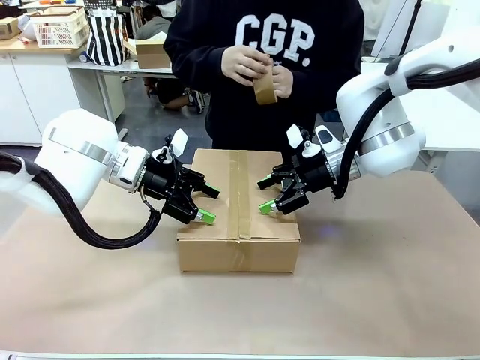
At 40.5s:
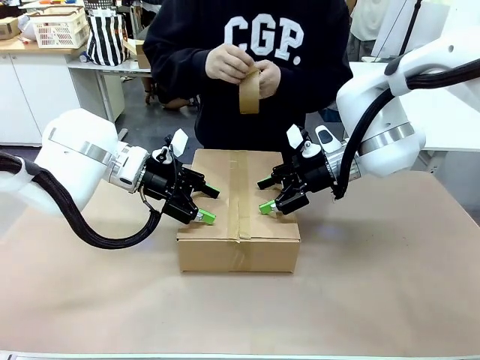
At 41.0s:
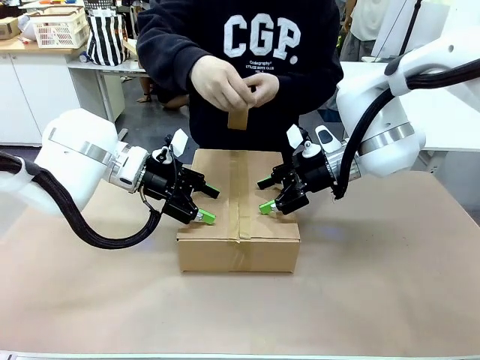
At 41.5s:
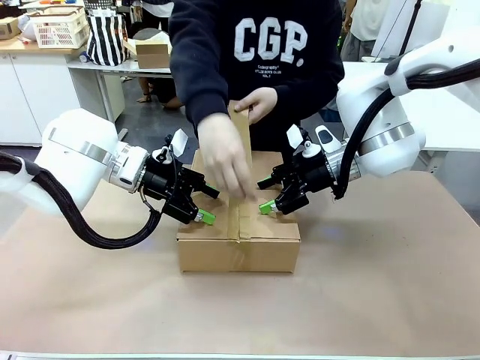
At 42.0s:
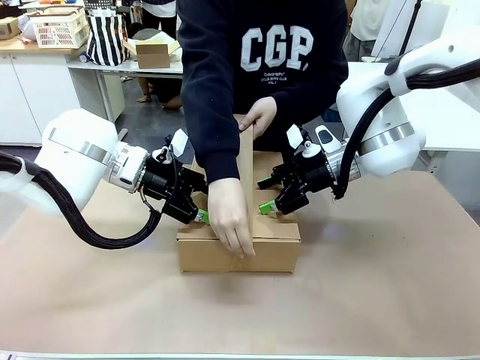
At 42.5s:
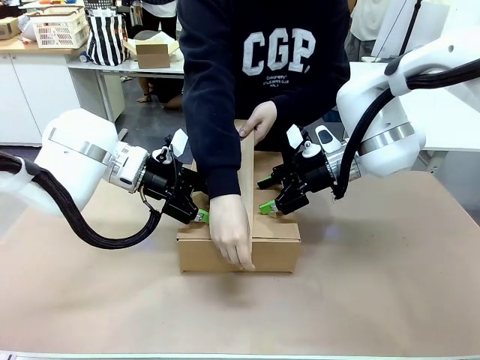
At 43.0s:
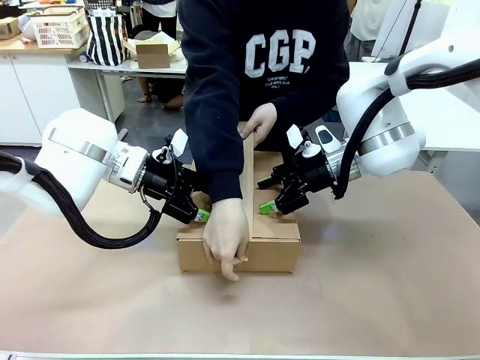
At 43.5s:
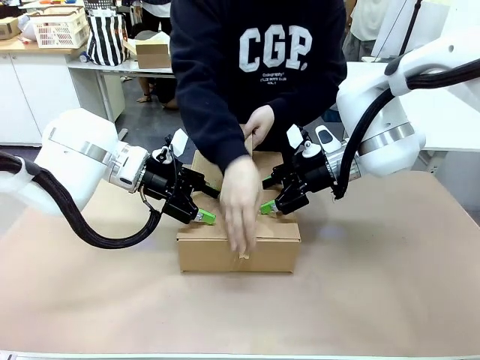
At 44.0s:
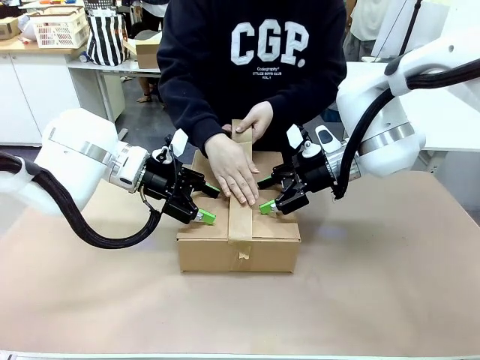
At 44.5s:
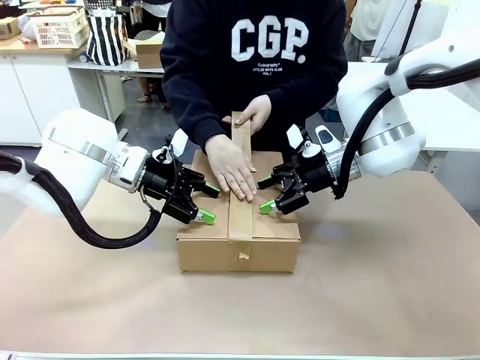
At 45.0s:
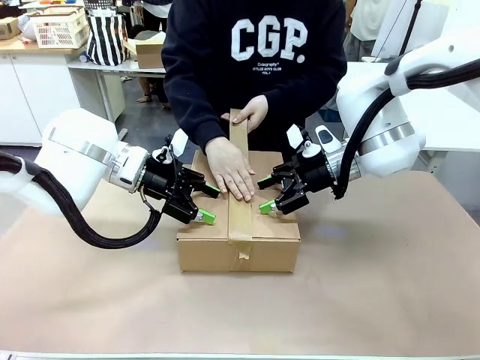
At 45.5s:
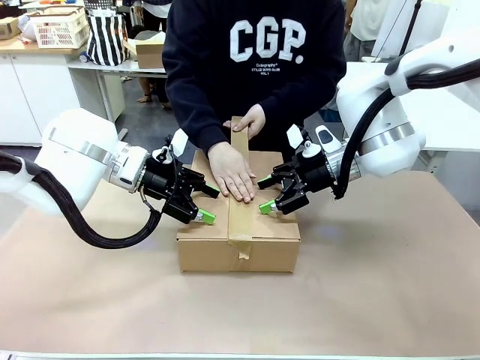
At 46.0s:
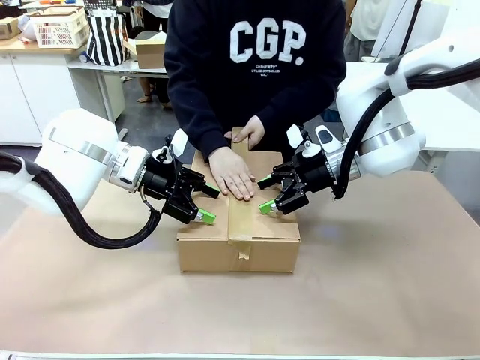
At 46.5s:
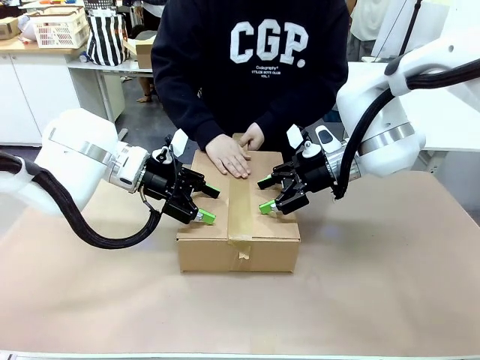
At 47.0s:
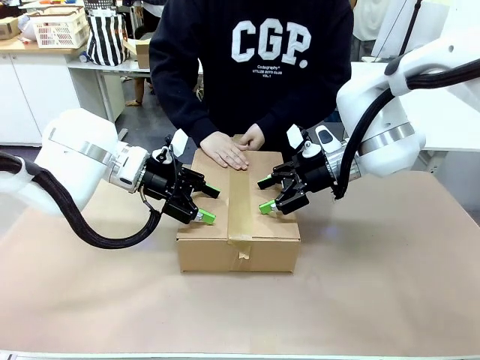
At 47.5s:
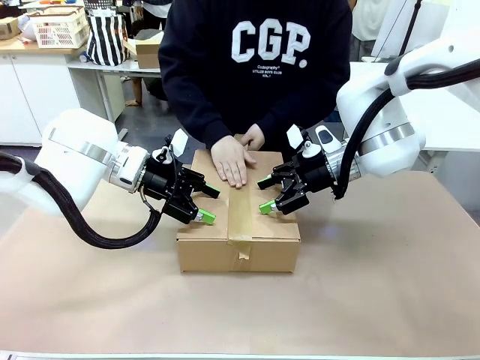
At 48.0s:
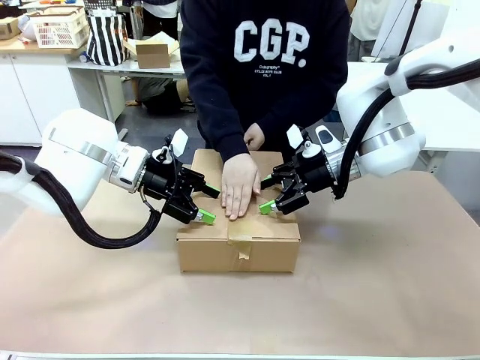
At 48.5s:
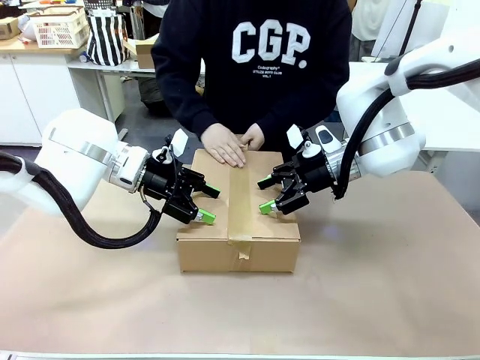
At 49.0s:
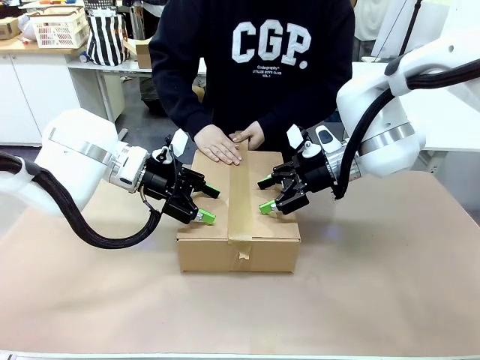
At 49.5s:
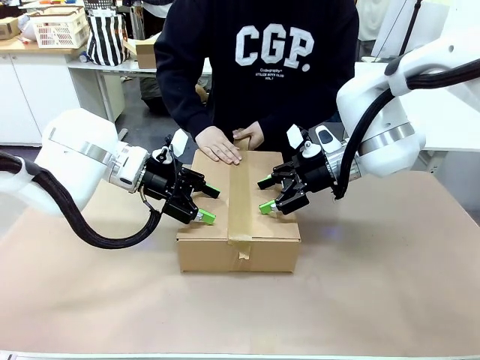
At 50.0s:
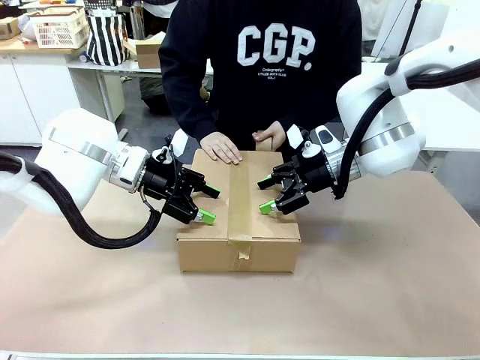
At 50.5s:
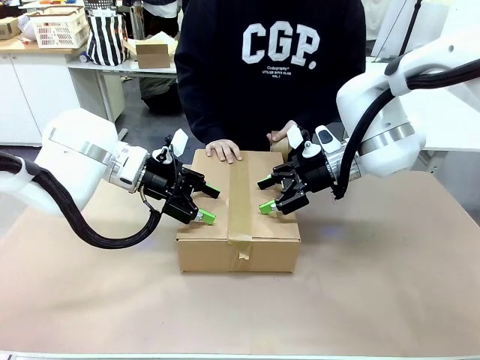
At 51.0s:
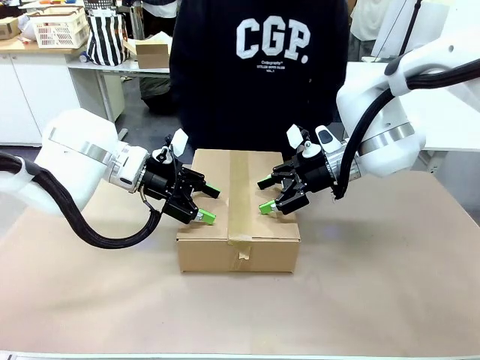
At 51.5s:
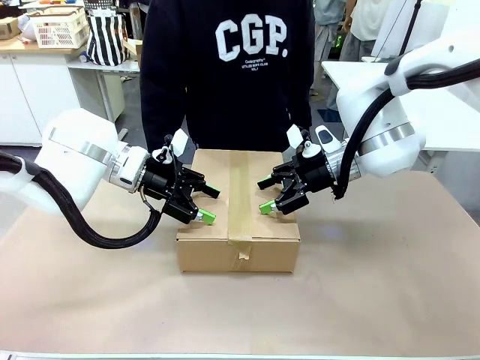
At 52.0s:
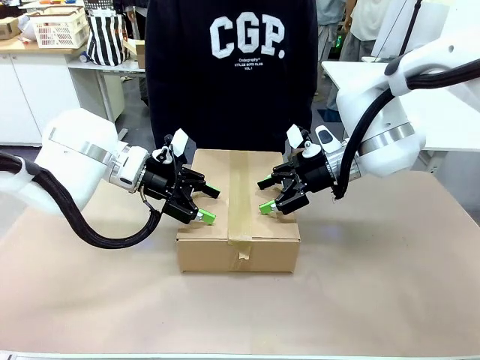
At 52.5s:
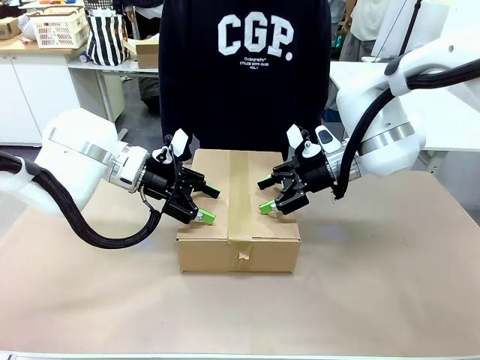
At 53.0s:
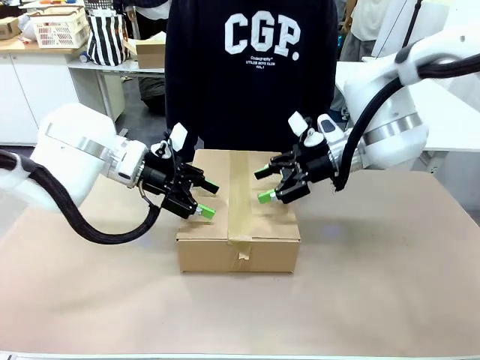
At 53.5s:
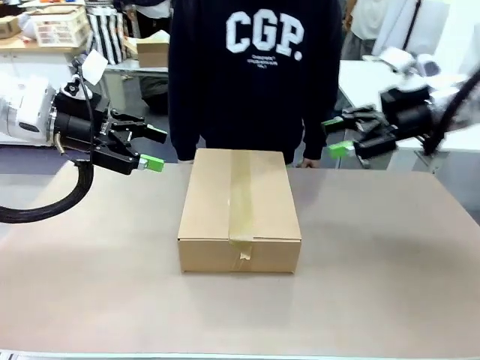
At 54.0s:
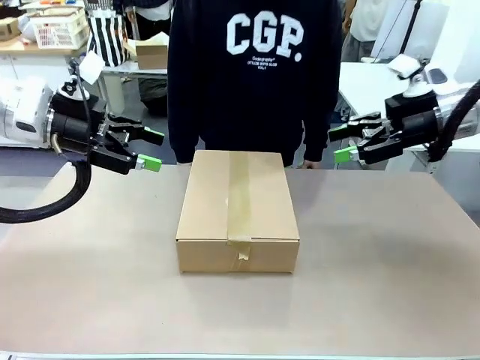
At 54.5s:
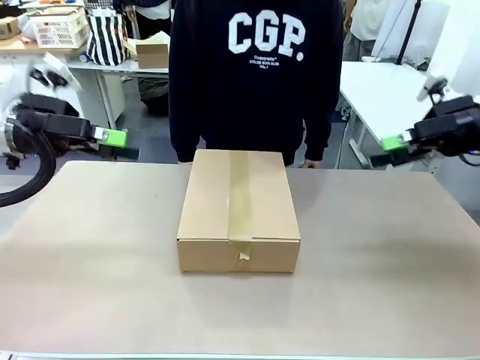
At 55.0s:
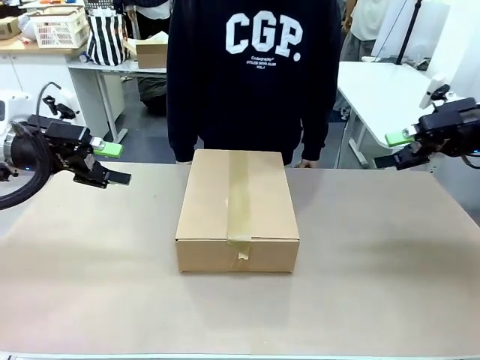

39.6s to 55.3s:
Task: Pack the gift set into the box.
Robot: Press and hold the closed box until the human finishes sealing it.
Person: The human picks up the paper tape from the human table and packs the box.

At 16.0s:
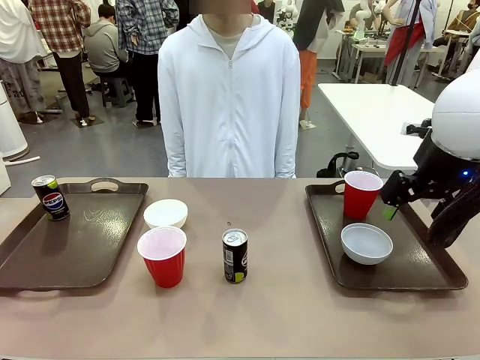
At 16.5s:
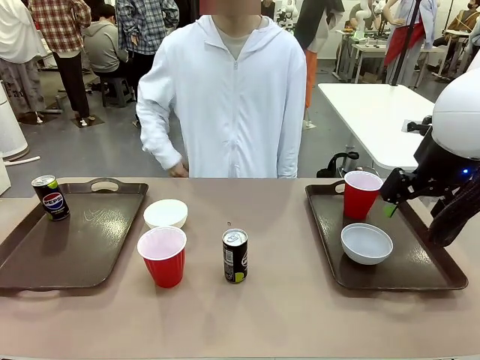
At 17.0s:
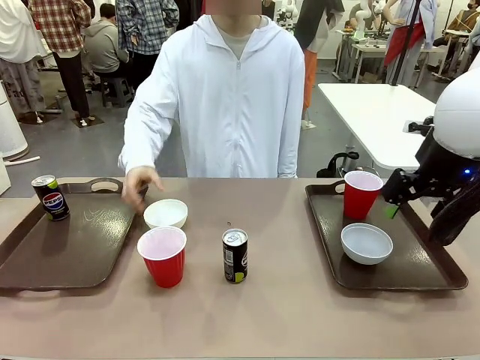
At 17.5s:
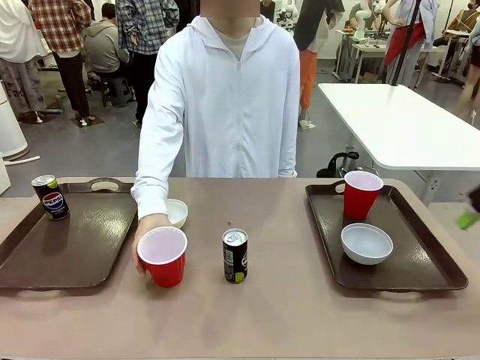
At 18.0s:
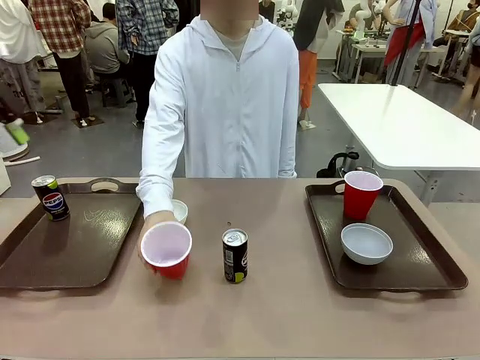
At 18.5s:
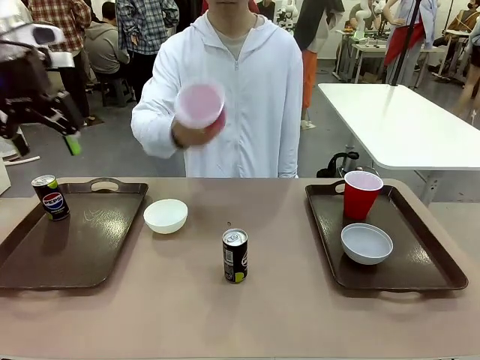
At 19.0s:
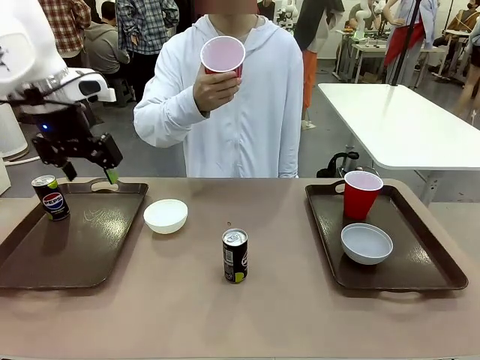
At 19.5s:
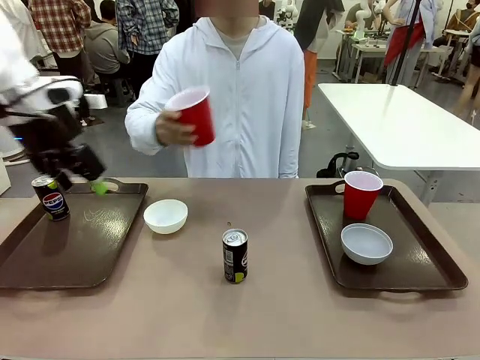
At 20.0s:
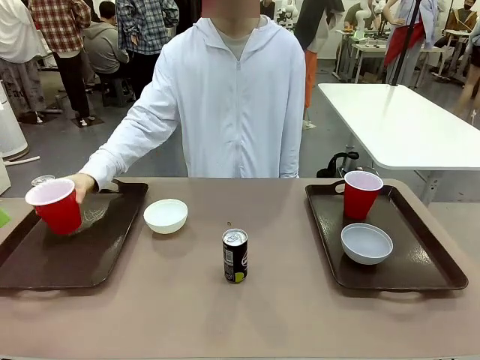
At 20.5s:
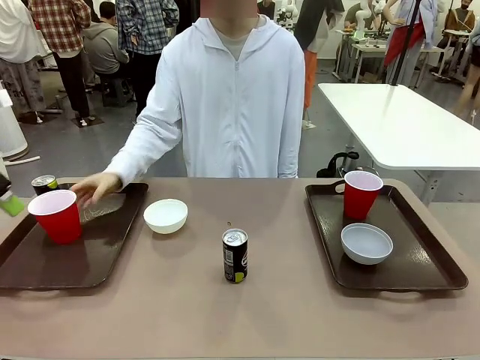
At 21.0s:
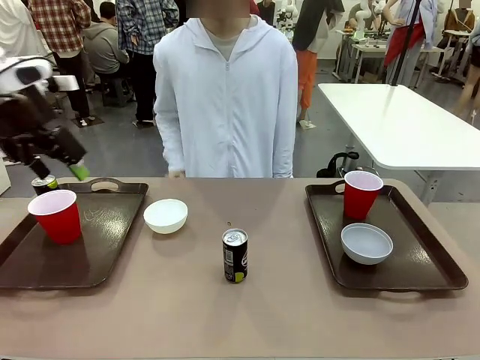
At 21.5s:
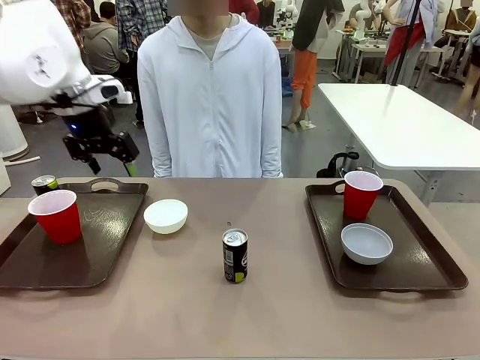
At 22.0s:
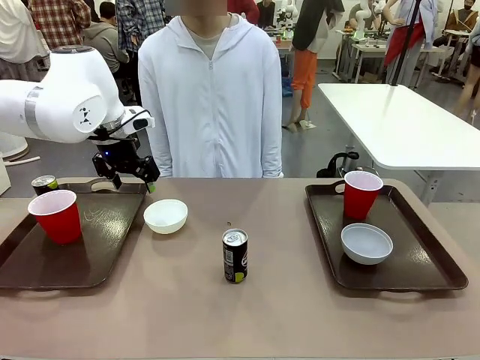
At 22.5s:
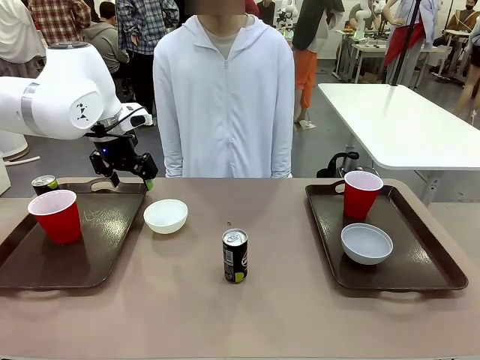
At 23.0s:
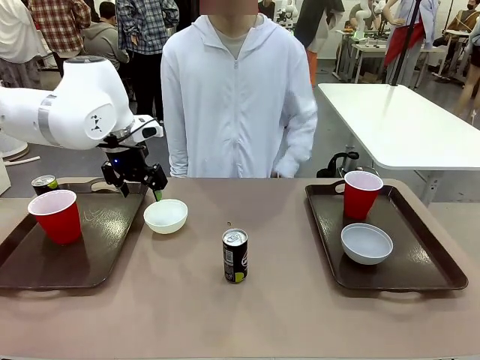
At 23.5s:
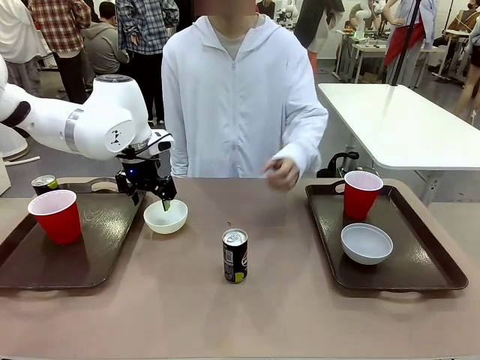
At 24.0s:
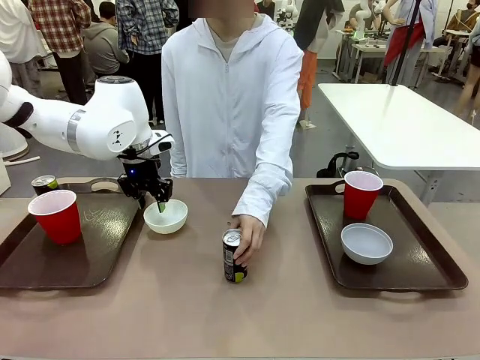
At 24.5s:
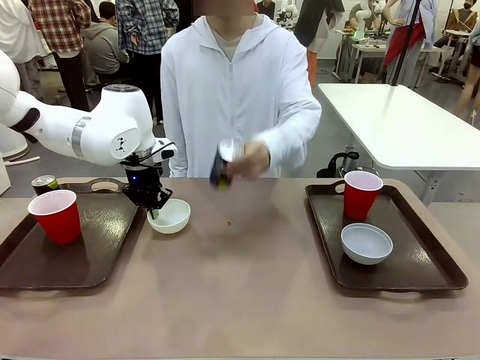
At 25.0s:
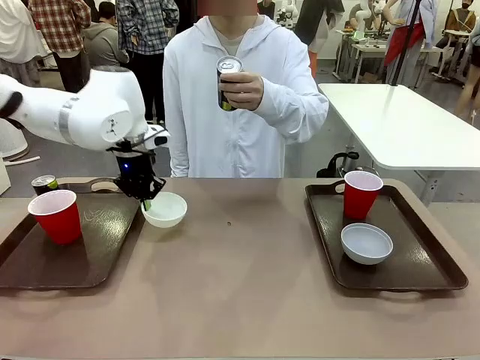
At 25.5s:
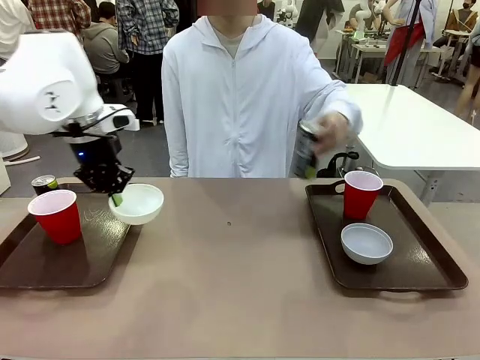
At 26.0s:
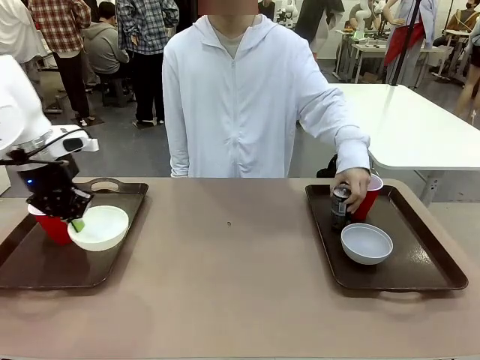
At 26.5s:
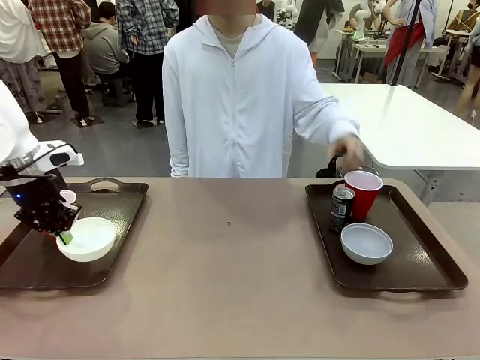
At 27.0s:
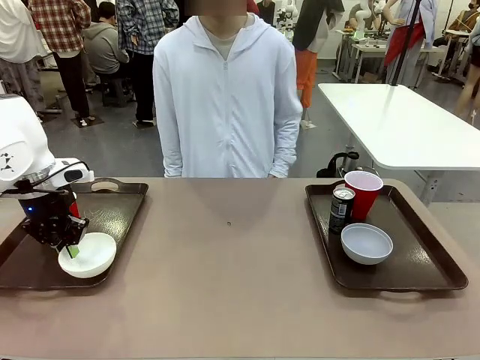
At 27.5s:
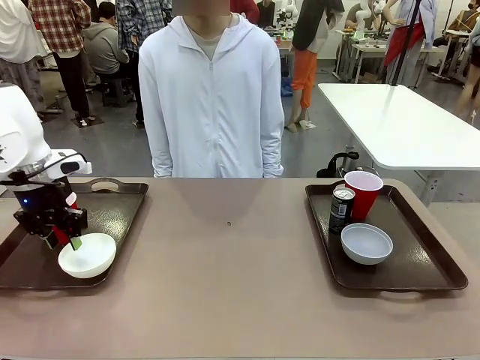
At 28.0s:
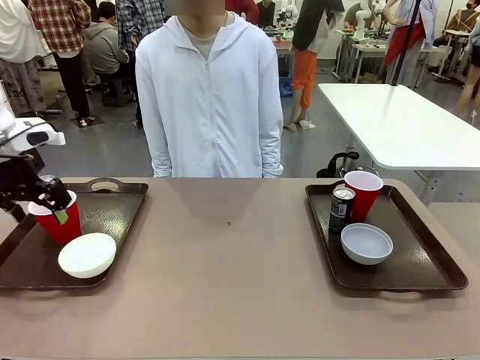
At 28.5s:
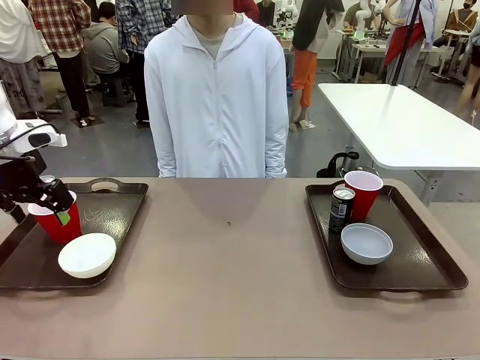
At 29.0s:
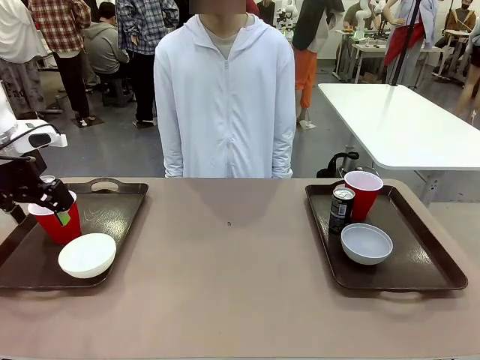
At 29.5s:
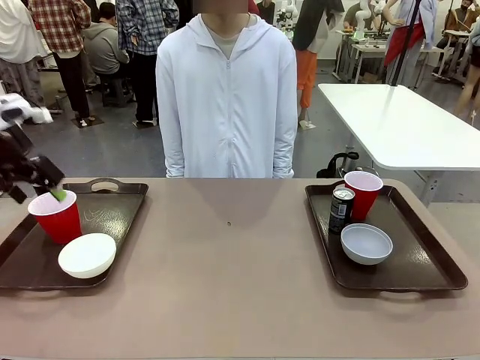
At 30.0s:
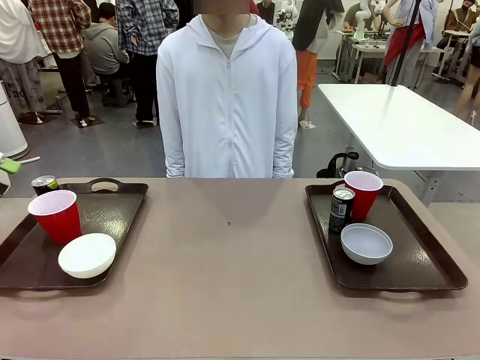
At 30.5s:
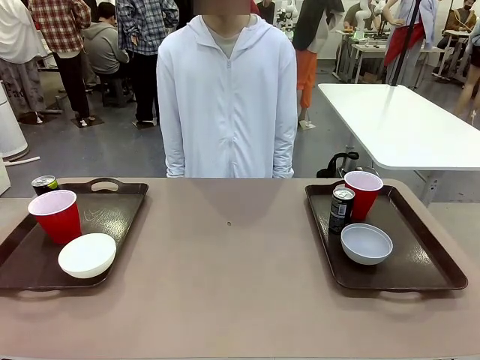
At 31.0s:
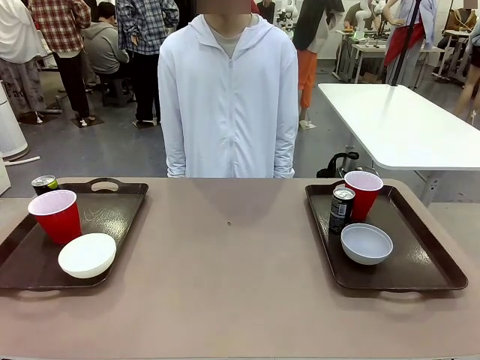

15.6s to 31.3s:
Task: Prepare tableware on both trays.
Robot: Pick up a Picnic Bowl from the table and place it on a Handle tray.
Person: Pick up a can or cup and place it on the tray without a can or cup.
